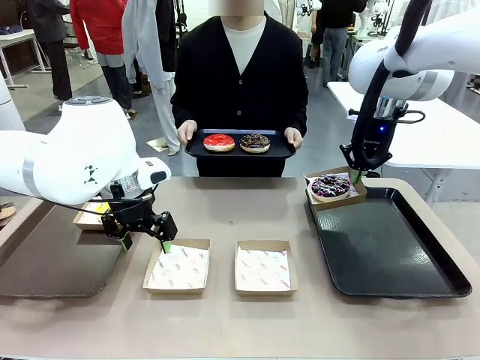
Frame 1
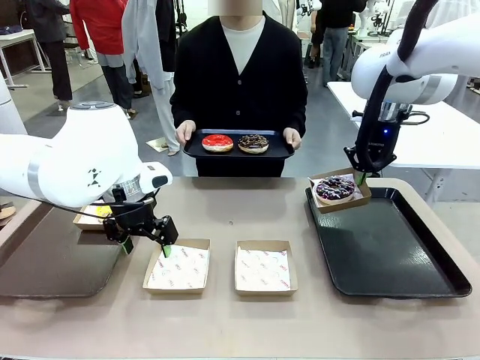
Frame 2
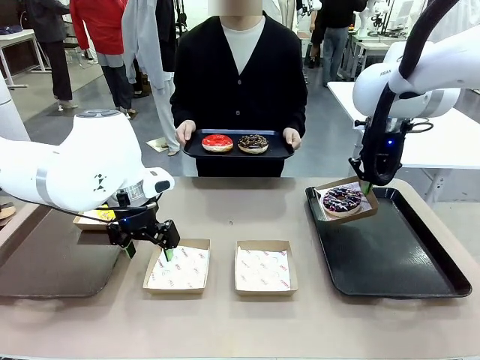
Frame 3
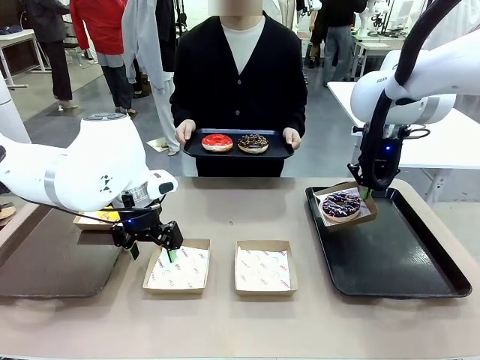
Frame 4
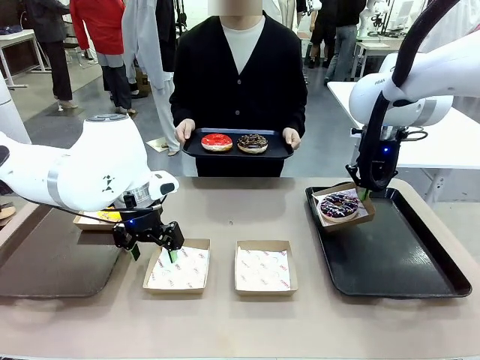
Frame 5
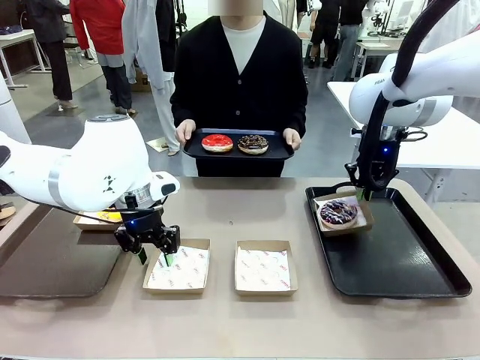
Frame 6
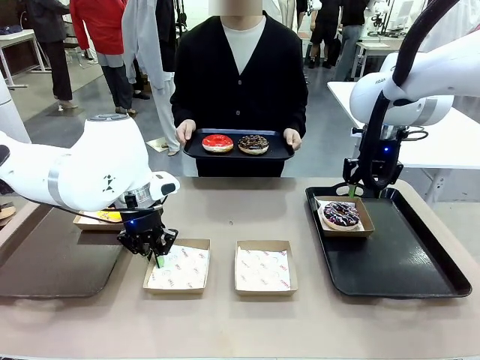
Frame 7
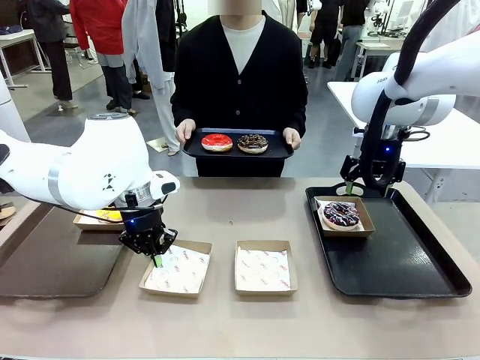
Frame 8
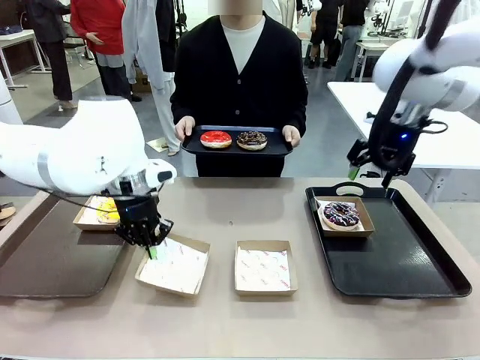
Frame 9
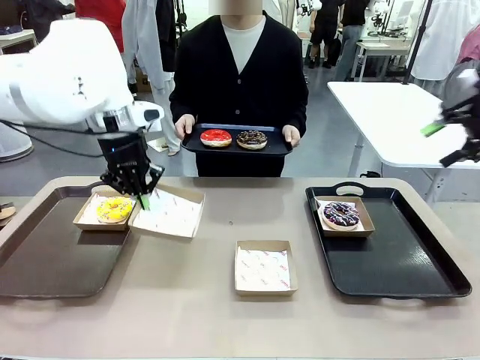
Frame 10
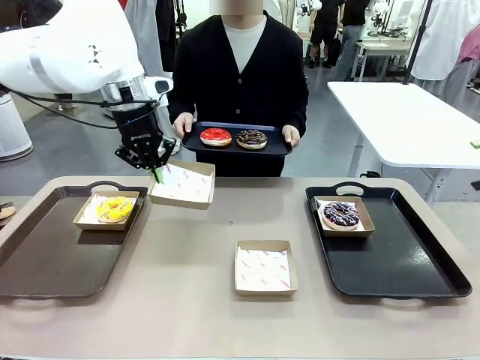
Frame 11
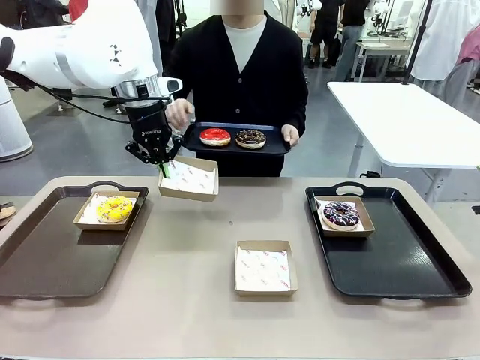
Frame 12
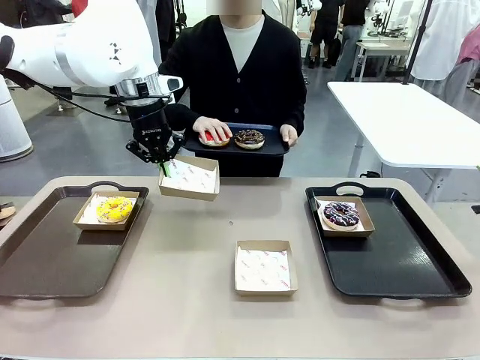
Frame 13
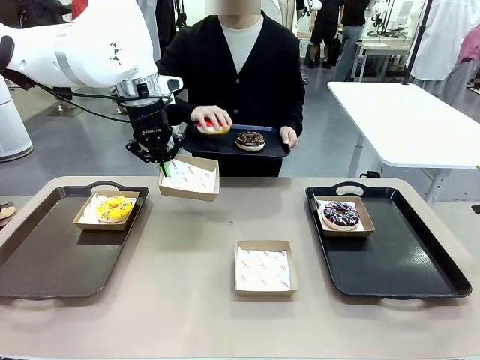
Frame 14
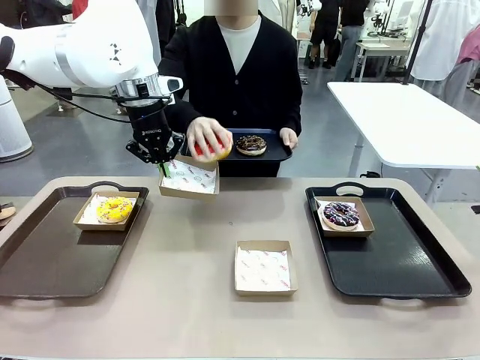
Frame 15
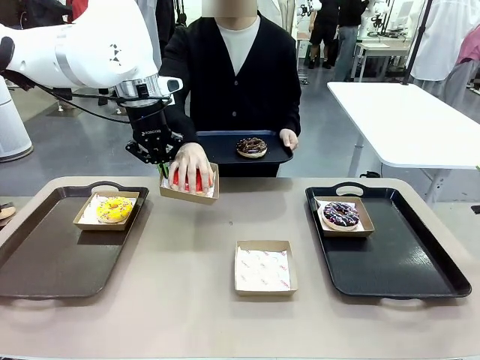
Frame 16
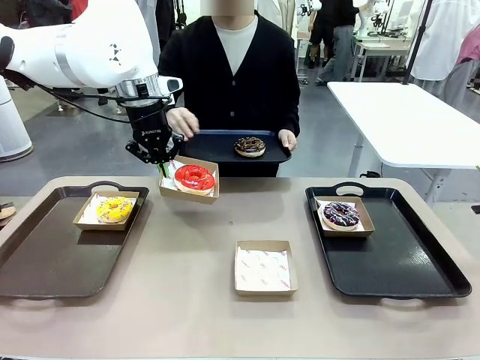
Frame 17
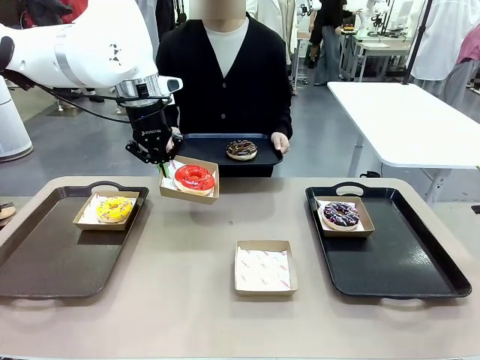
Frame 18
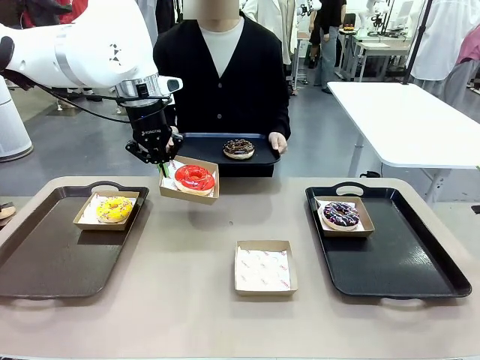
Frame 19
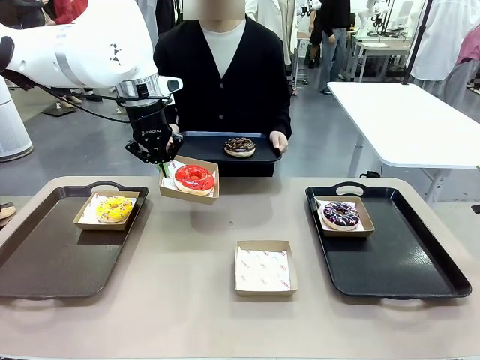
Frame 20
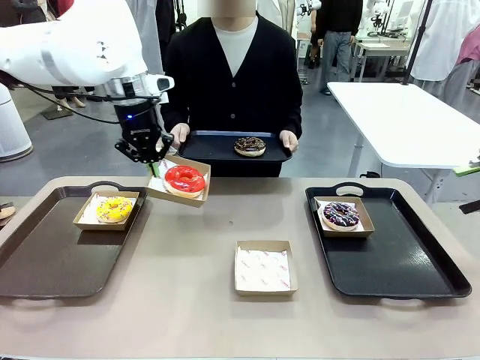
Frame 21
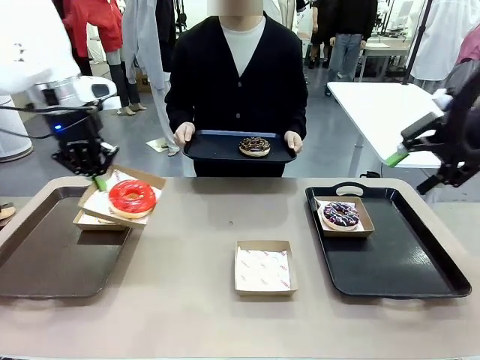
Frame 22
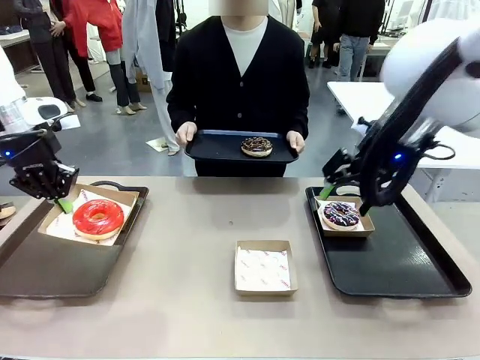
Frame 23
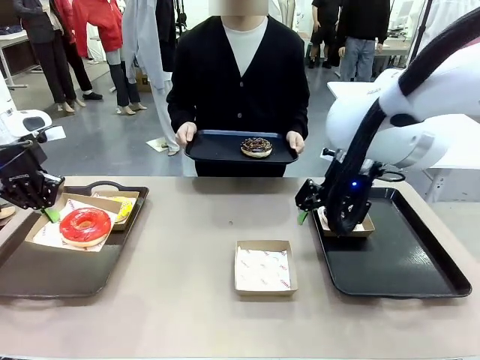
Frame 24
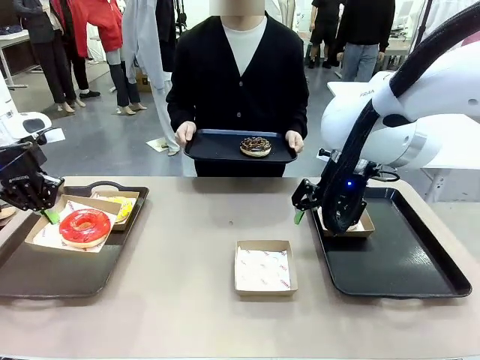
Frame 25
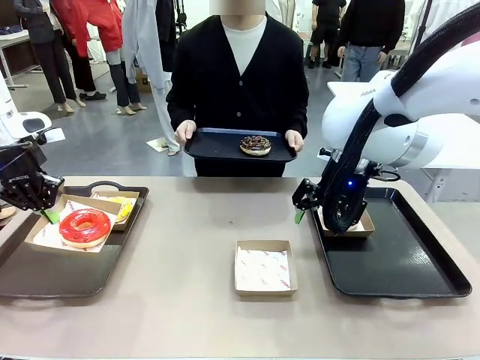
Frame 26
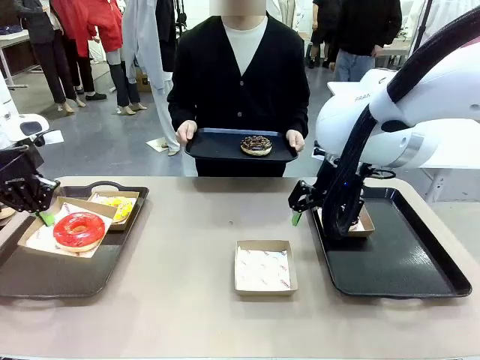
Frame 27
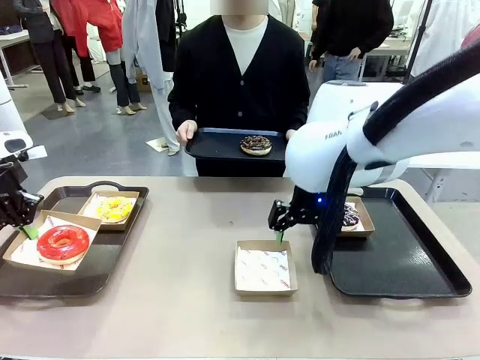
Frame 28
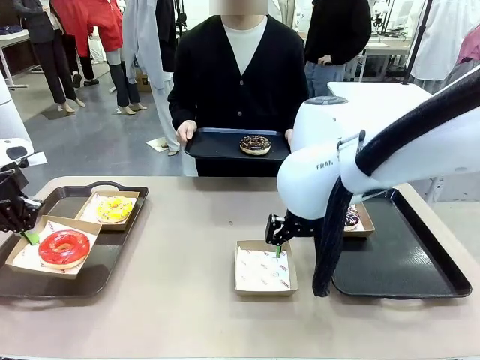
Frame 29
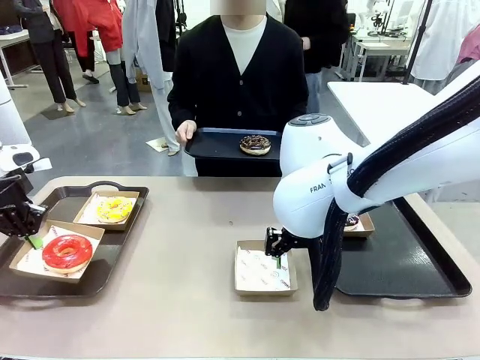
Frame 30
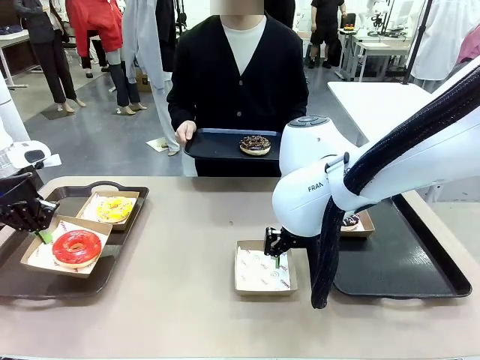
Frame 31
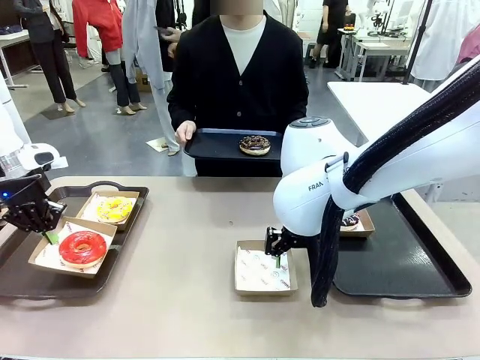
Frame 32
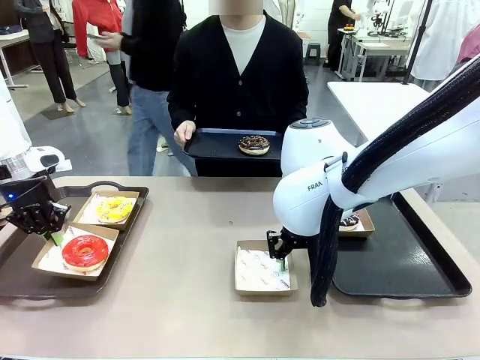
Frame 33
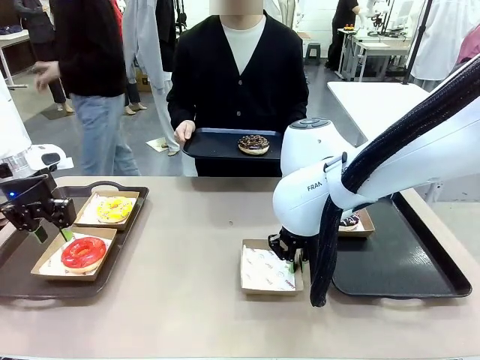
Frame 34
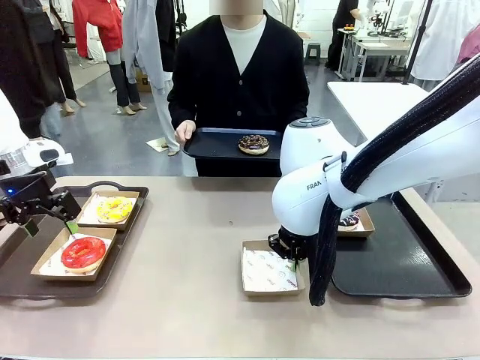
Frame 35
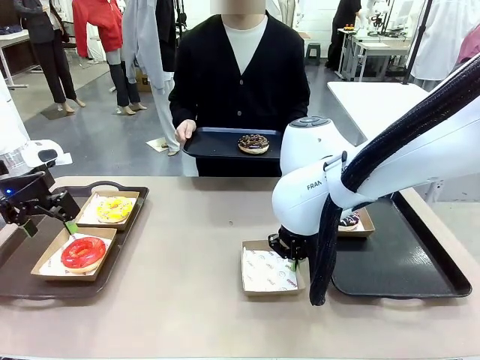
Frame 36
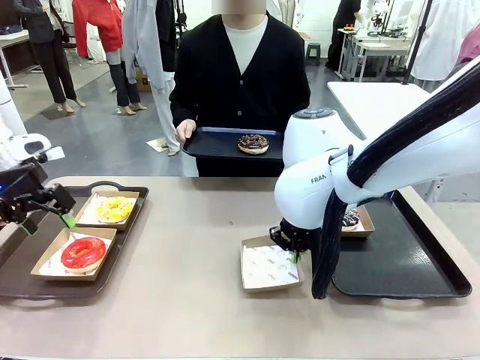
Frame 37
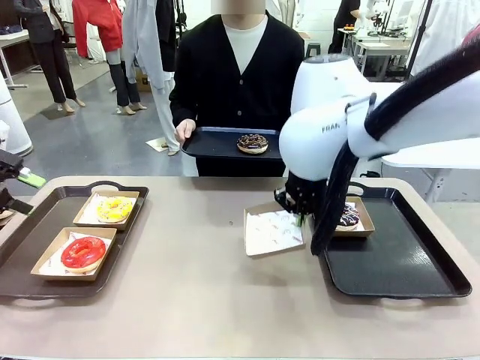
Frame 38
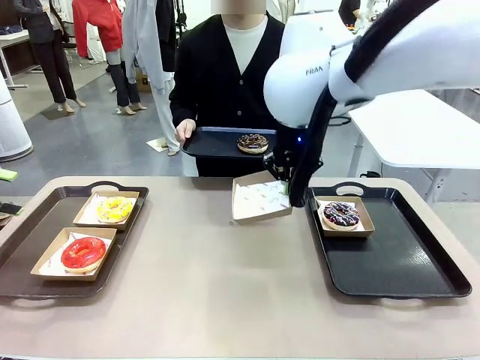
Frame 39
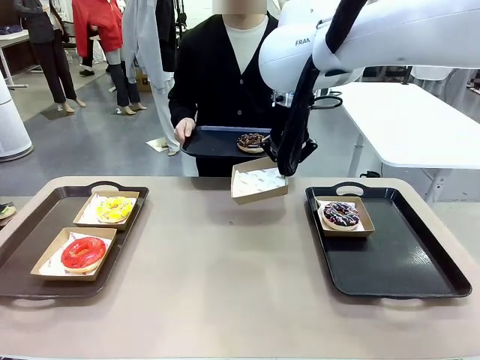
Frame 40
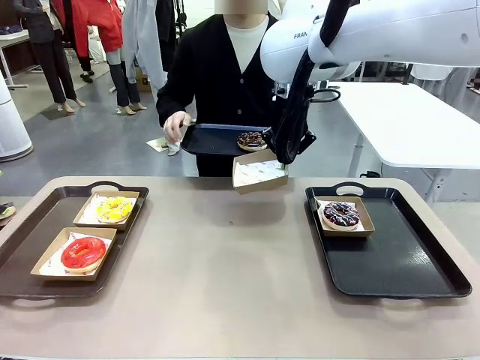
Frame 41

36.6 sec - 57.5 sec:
Task: Individually package the donuts and arrange them on the tray.
Robot: Place the picked Paper togo box on the Handle tray while simultaneously picking up another Paper togo box from the table with the other hand.

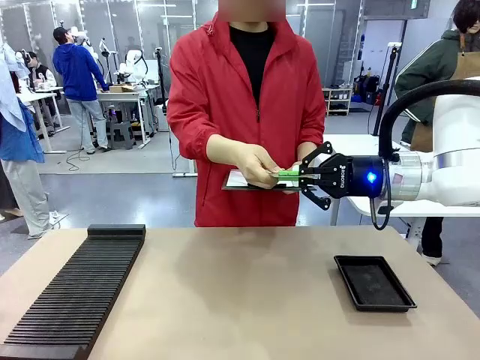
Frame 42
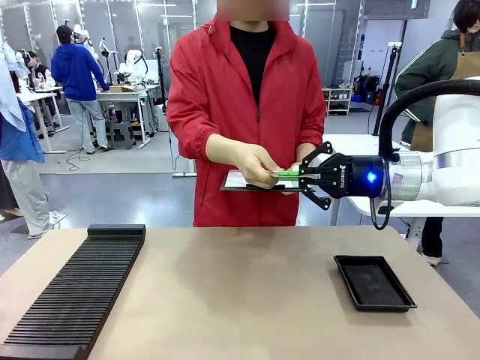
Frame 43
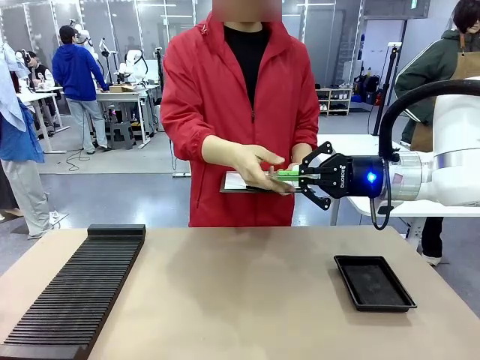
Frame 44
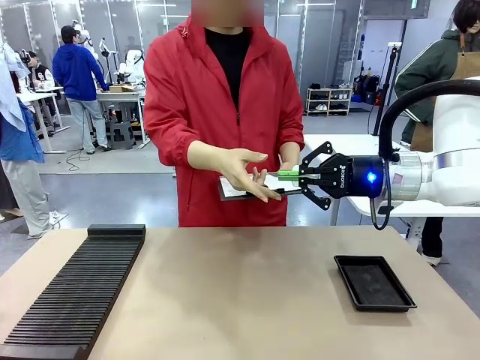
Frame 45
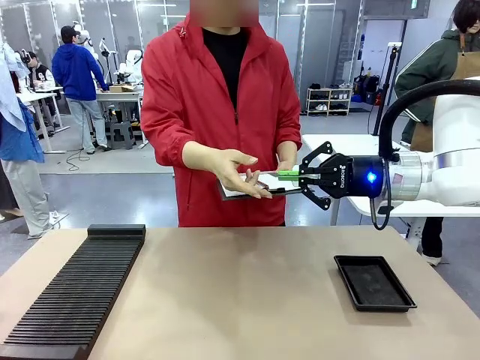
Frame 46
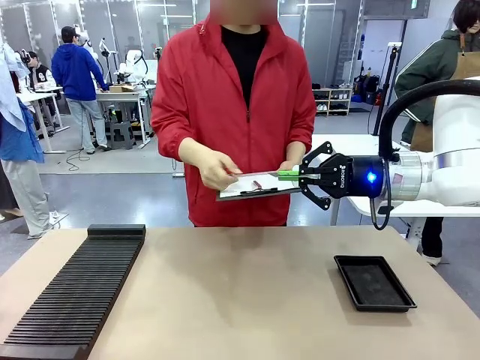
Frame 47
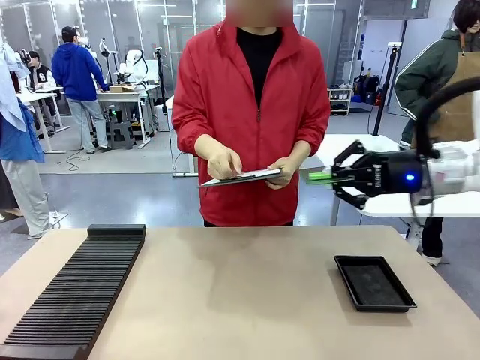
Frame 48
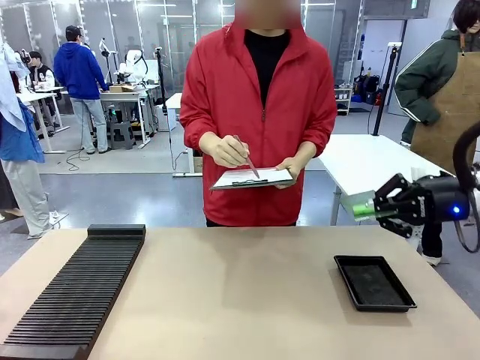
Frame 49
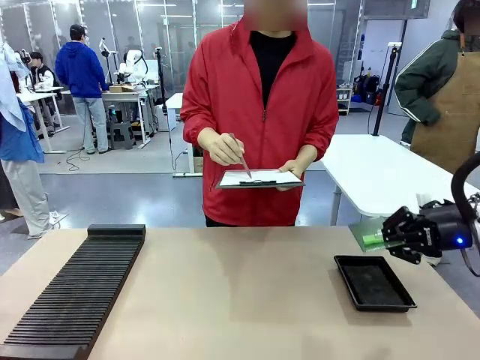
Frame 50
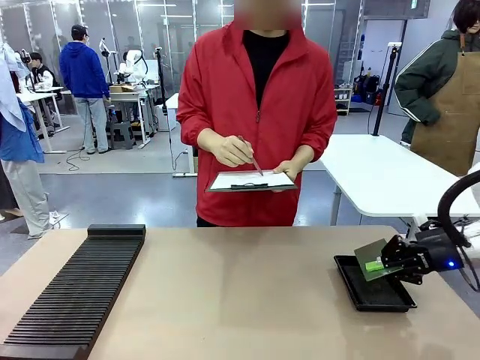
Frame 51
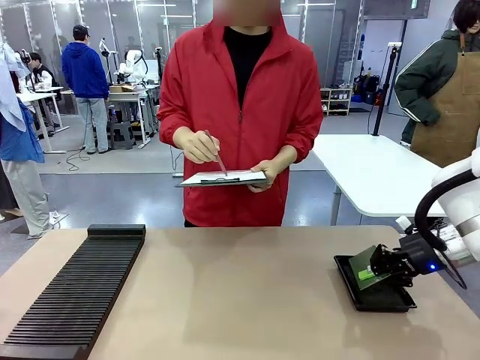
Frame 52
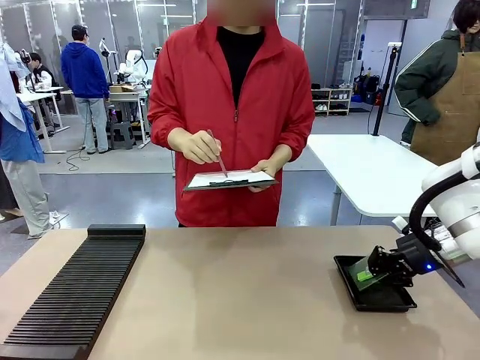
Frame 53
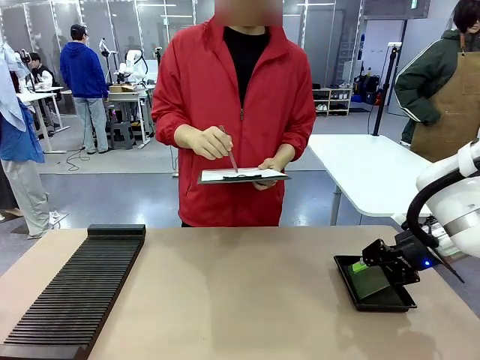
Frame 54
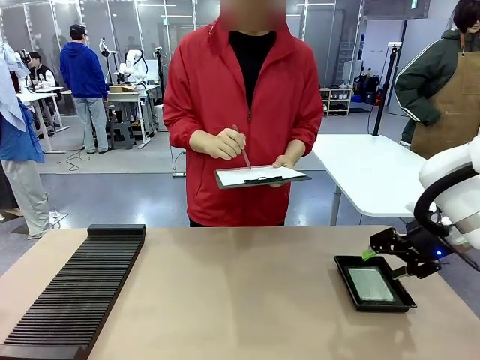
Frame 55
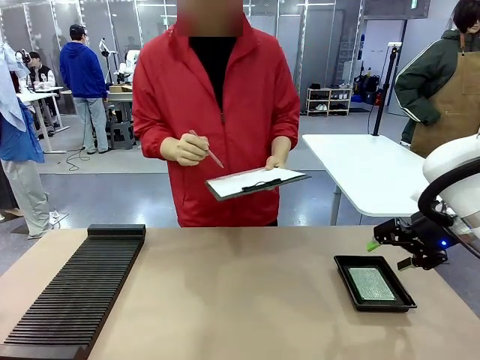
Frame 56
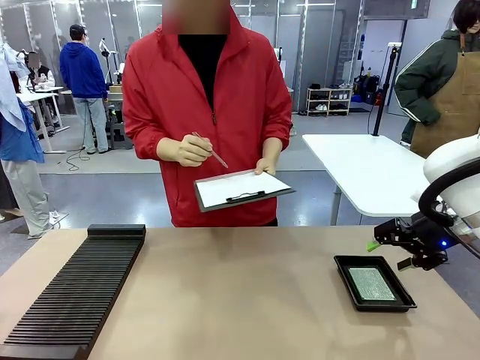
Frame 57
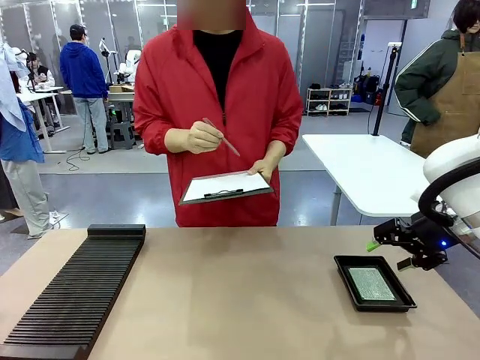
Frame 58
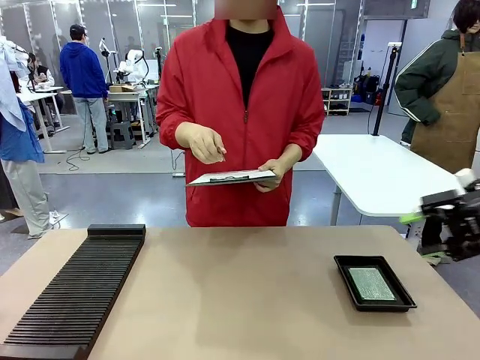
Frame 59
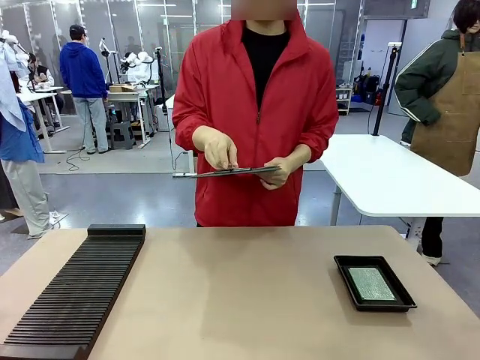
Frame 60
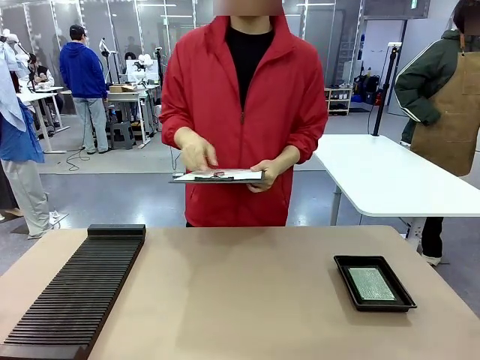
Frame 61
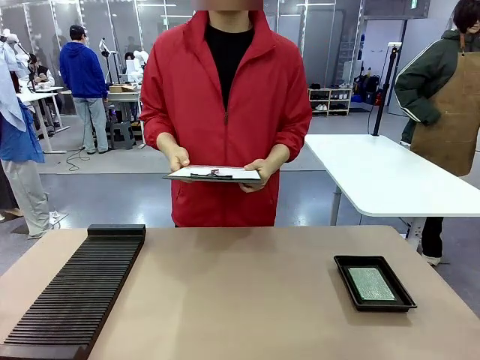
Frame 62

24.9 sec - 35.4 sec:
Task: Inspect the PCB.
Robot: Place the Blank PCB in the ESD tray.
Person: Record the PCB status on the paper.
